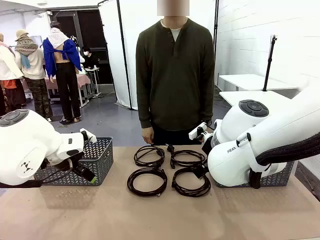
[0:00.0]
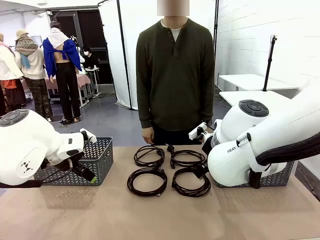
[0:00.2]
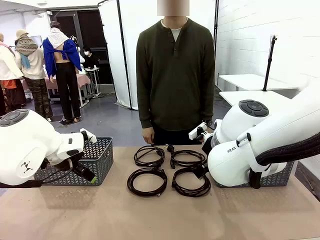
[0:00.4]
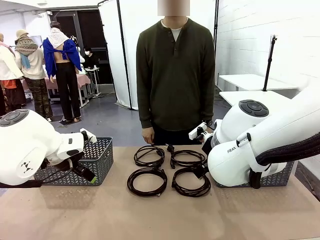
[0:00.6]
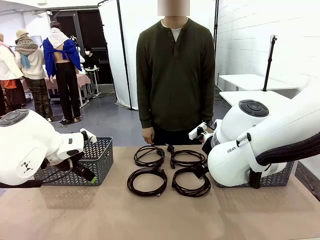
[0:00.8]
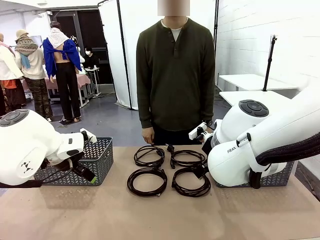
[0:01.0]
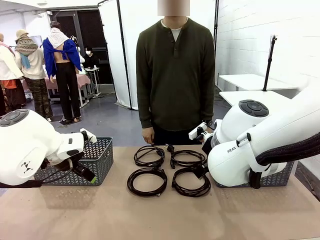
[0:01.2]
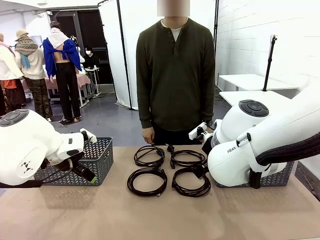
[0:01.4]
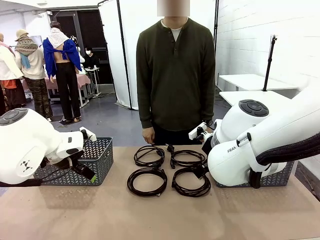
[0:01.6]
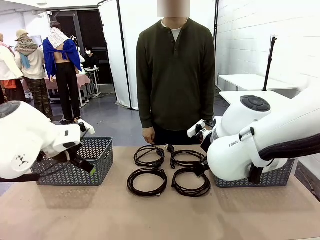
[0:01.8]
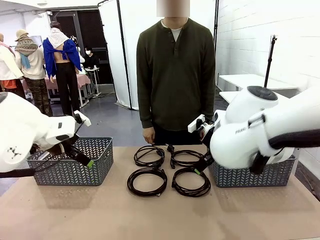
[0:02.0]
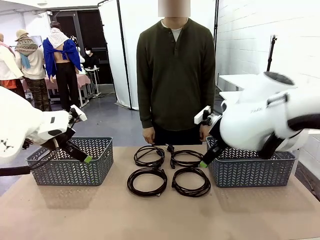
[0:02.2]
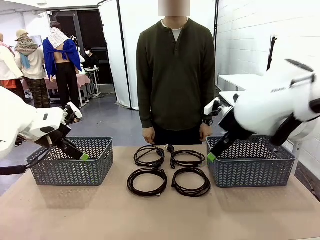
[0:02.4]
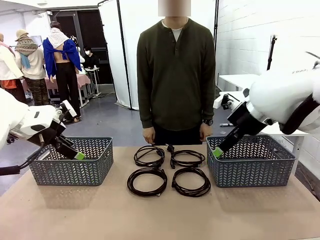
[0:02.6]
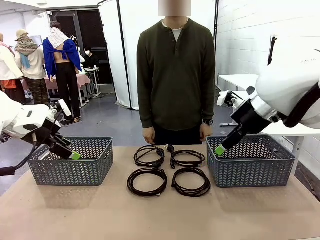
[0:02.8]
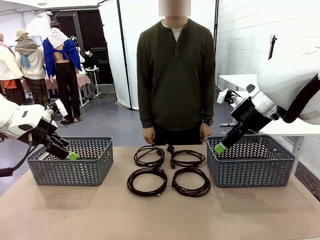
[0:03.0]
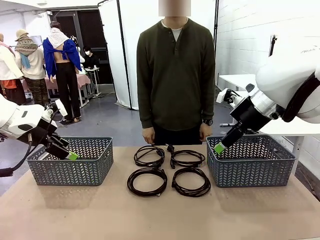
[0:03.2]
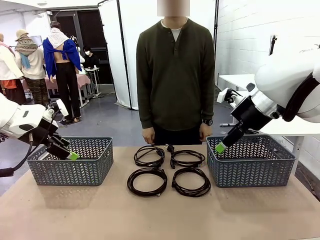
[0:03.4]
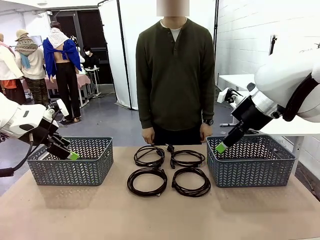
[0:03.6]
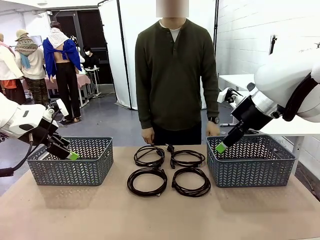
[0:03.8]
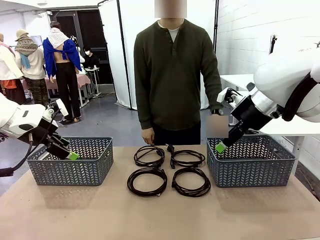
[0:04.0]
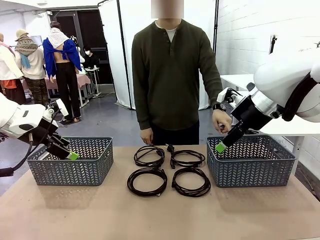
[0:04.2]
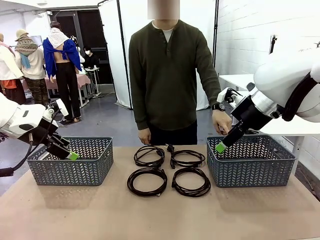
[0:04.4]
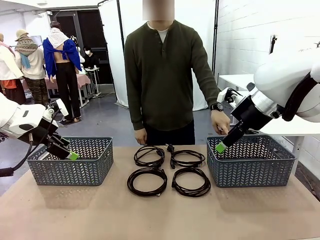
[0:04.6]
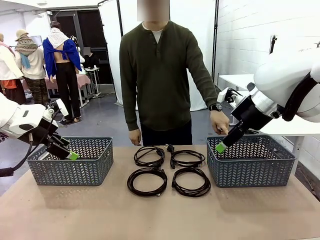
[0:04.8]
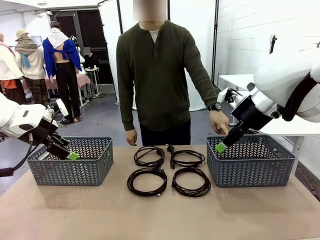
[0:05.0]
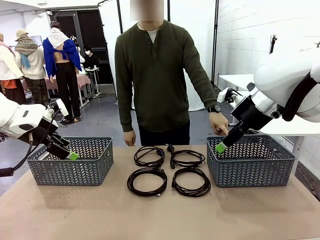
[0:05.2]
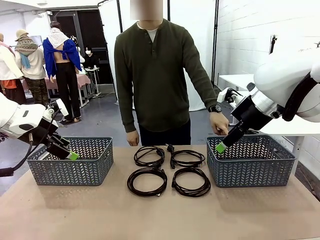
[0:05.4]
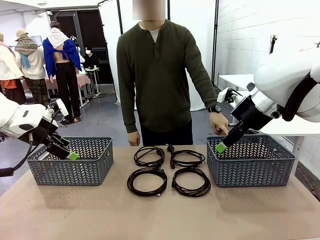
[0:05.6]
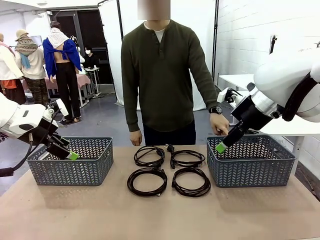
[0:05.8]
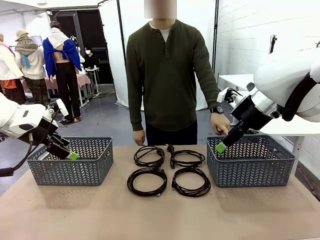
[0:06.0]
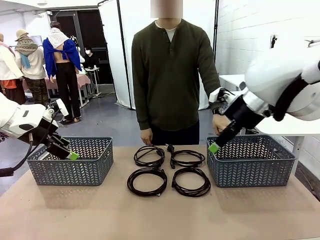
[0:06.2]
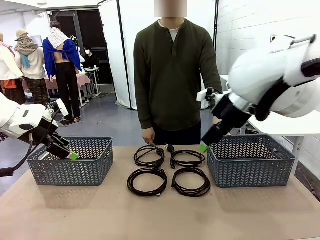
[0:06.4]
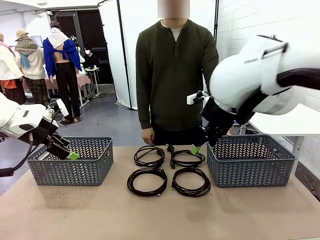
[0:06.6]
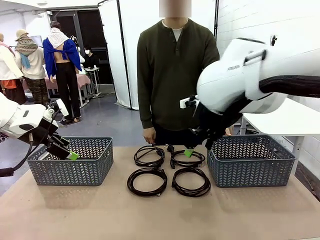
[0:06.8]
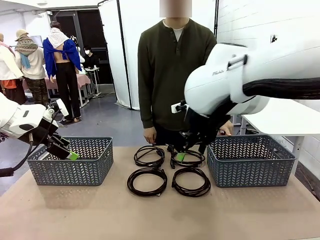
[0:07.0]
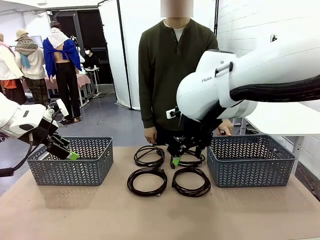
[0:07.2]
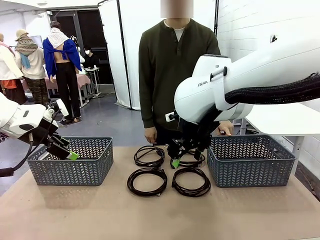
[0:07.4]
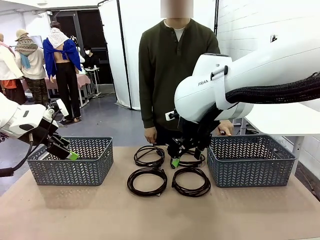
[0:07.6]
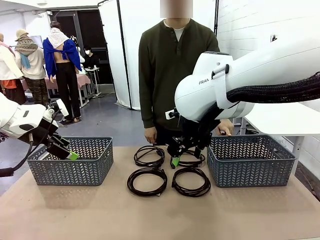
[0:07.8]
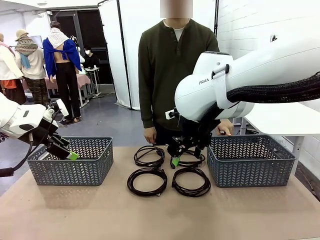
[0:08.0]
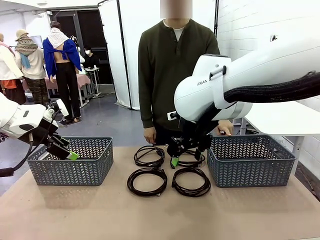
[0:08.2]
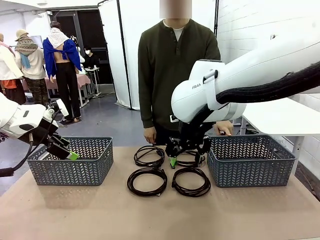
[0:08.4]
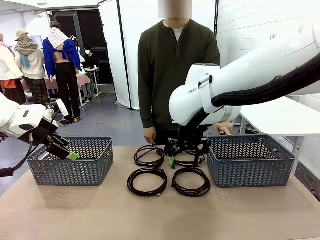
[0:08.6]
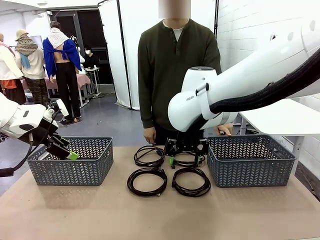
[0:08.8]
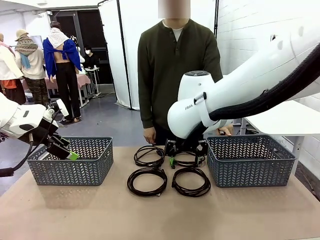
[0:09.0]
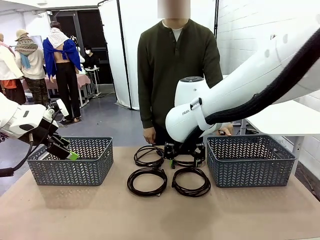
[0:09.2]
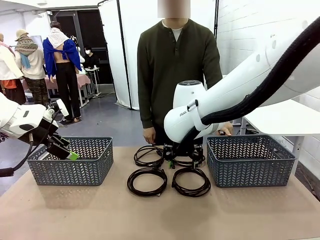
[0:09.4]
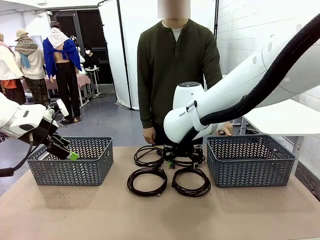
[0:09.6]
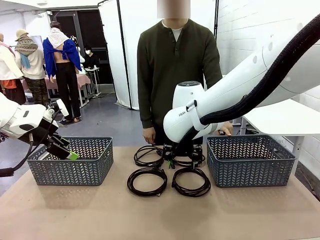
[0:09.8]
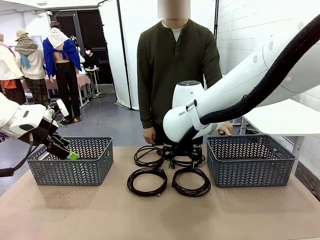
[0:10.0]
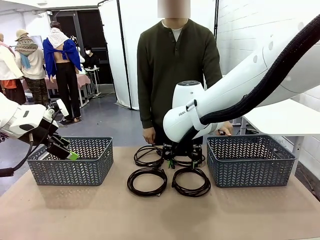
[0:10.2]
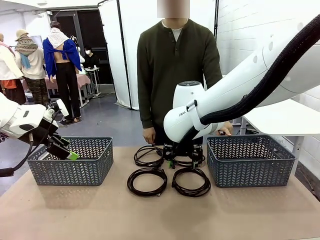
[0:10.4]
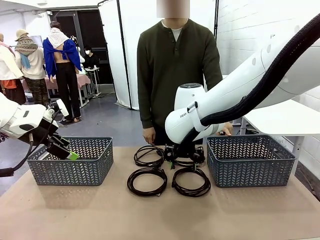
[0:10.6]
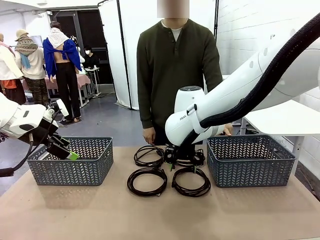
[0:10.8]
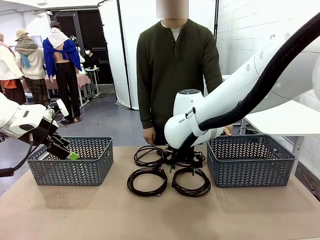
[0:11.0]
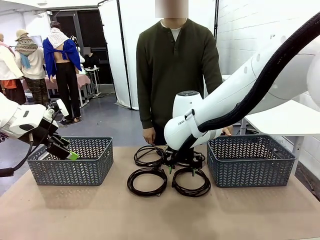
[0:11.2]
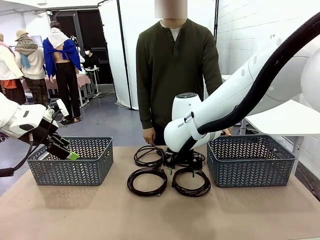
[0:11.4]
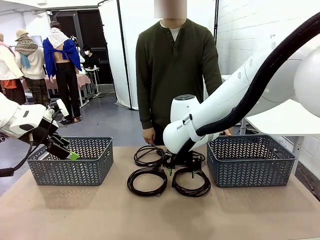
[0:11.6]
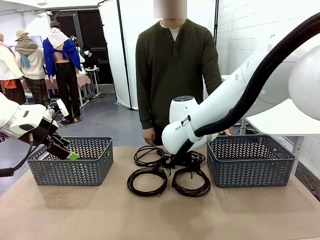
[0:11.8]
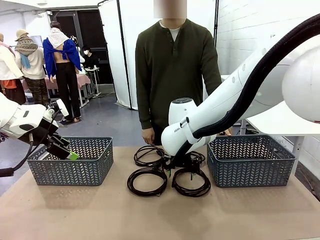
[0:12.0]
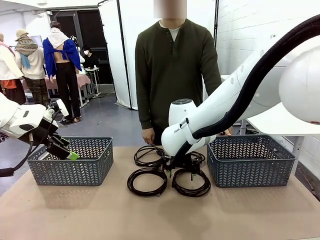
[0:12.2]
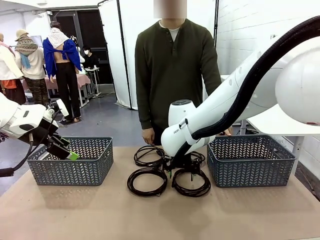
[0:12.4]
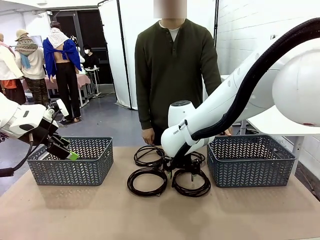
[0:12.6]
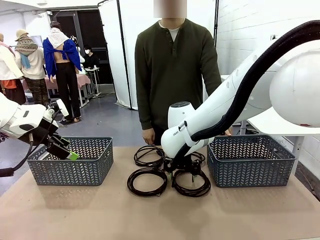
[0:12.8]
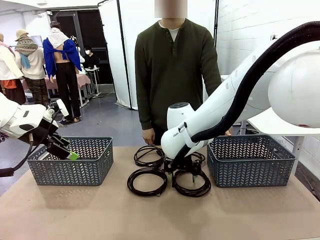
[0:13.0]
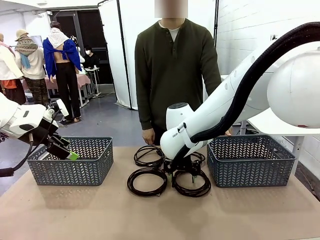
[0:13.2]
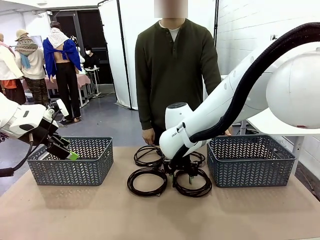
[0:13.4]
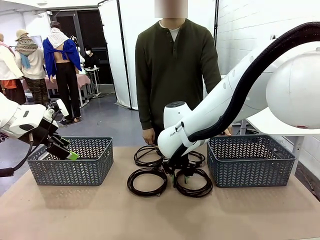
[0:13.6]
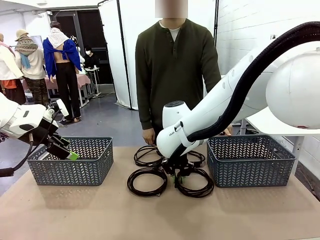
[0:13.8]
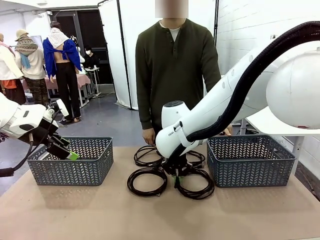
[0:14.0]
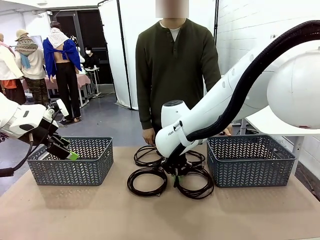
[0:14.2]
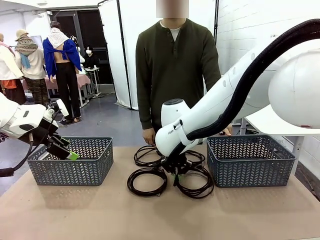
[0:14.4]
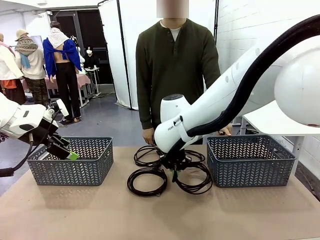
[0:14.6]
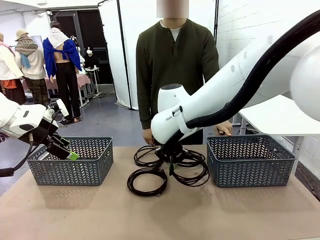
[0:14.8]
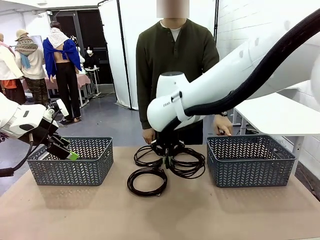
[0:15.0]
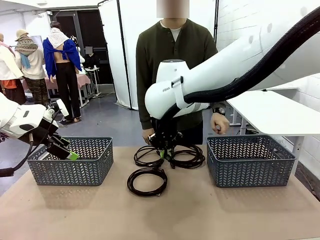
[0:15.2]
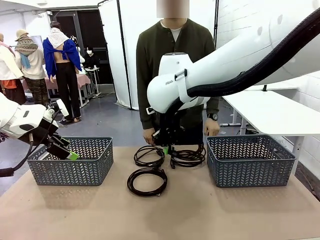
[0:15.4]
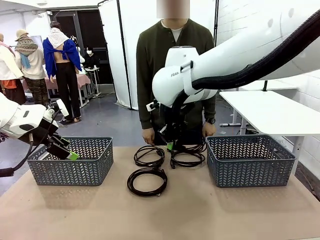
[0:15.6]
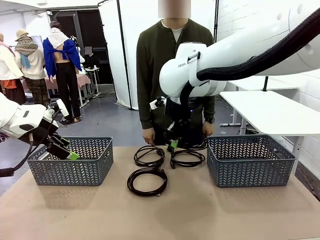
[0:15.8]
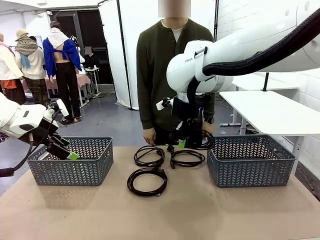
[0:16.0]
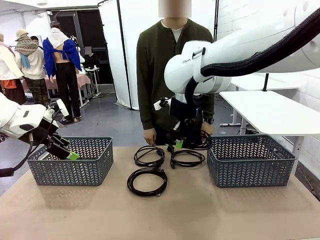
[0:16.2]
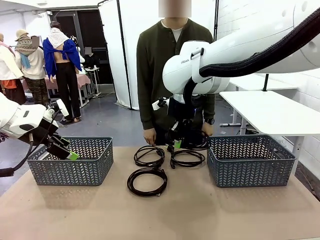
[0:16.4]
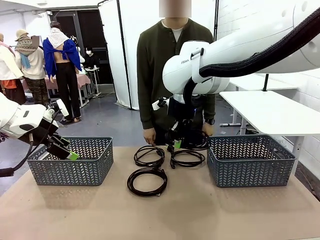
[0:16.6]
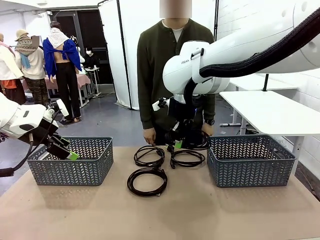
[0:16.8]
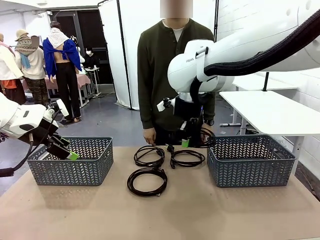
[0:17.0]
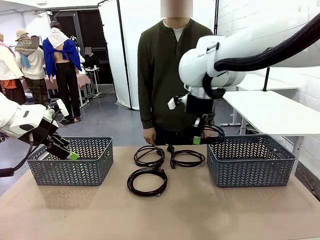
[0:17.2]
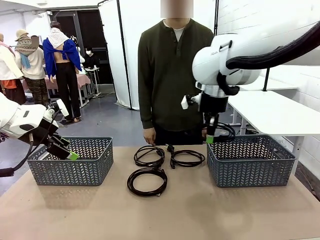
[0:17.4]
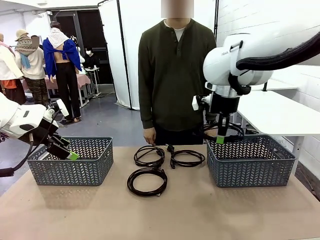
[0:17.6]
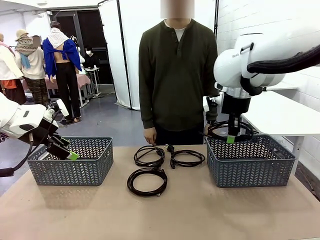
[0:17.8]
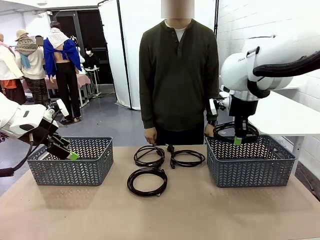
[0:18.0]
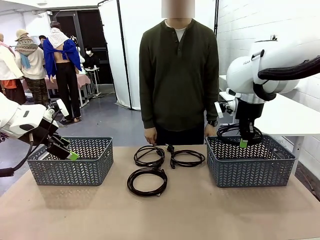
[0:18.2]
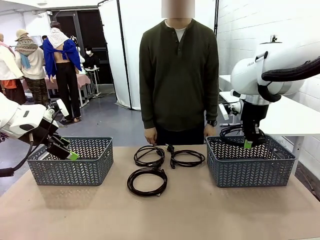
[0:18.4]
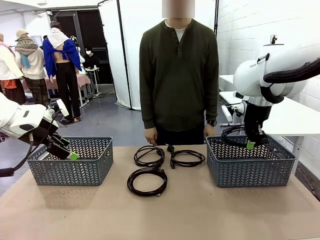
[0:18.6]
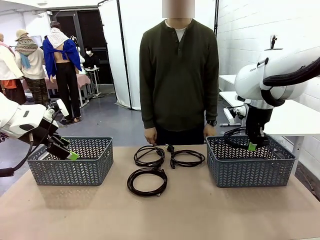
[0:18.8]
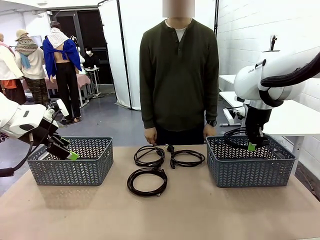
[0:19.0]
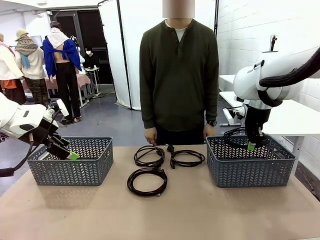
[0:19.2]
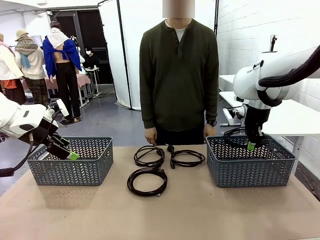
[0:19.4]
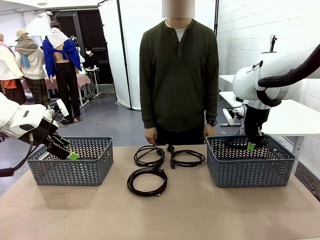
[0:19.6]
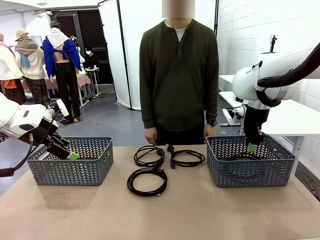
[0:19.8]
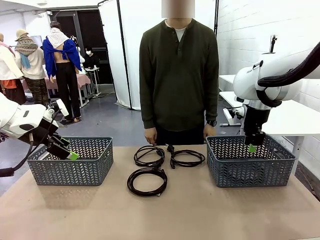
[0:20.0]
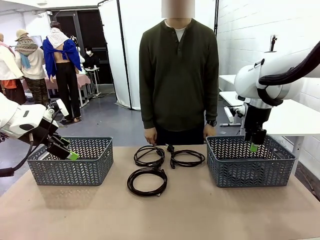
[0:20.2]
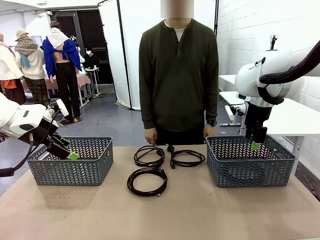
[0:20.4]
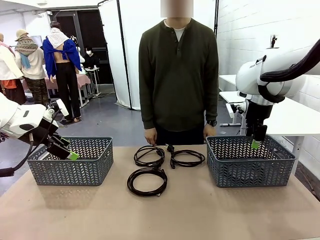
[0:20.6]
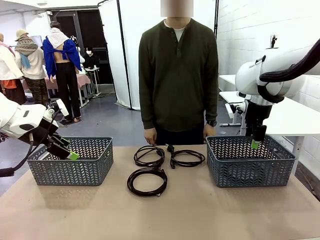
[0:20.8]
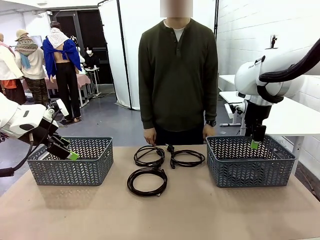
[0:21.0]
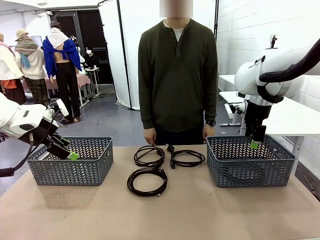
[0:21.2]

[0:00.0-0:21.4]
Task: Organize the cables according to human instructions.
Robot: Pick up a bundle of cables and place it in the basket indicated by the human.
